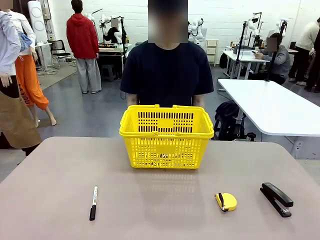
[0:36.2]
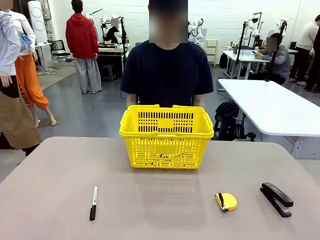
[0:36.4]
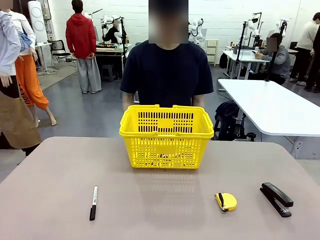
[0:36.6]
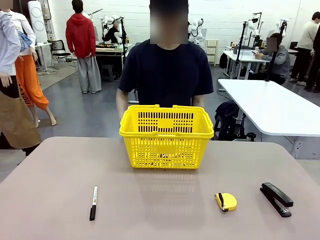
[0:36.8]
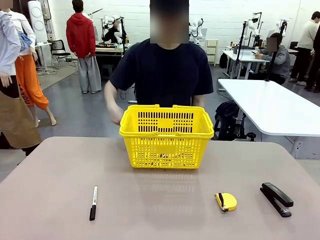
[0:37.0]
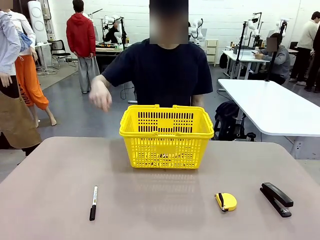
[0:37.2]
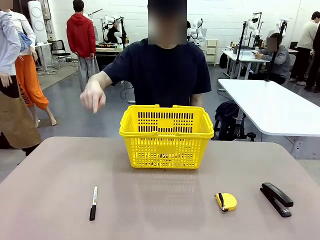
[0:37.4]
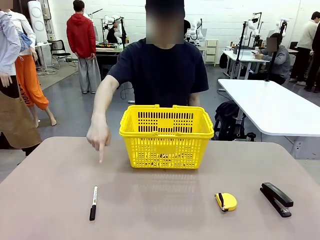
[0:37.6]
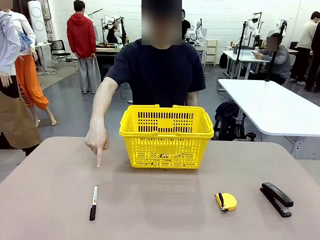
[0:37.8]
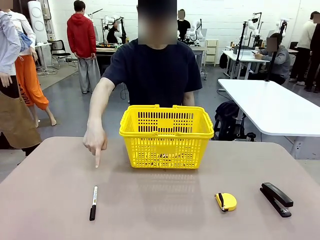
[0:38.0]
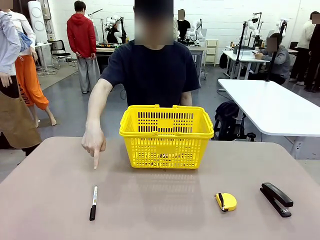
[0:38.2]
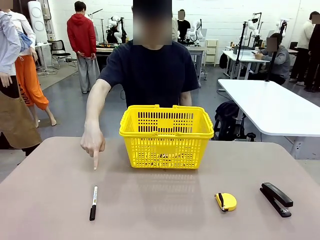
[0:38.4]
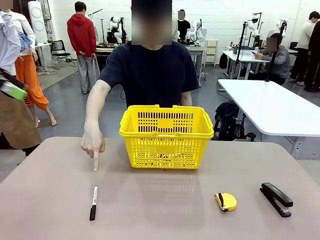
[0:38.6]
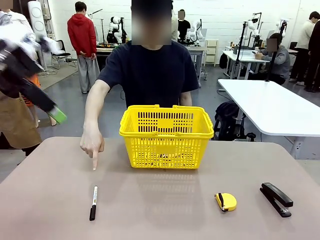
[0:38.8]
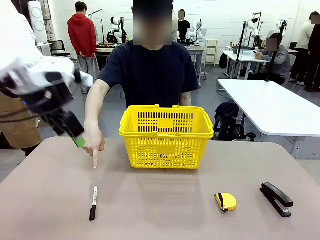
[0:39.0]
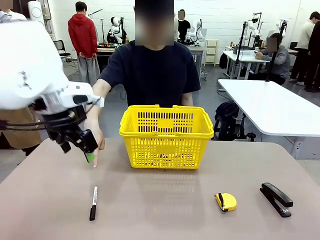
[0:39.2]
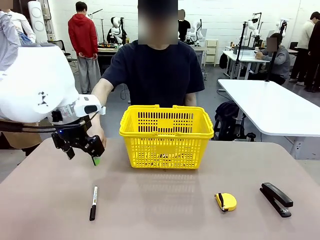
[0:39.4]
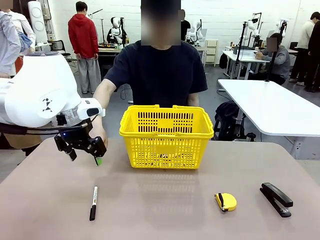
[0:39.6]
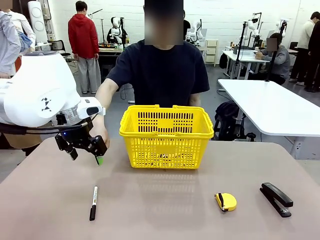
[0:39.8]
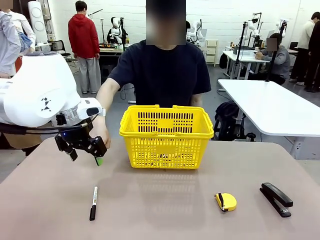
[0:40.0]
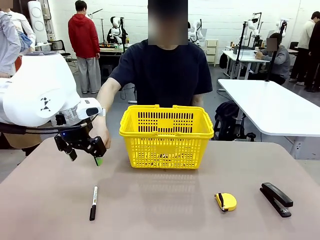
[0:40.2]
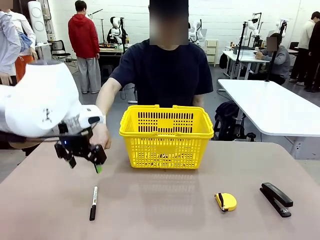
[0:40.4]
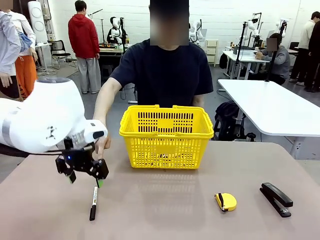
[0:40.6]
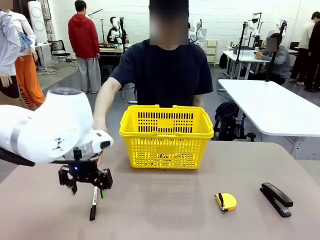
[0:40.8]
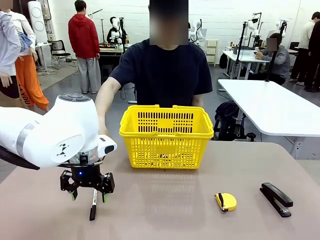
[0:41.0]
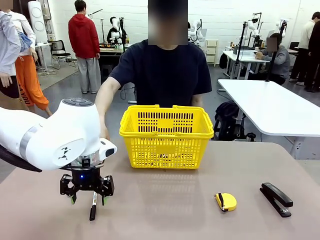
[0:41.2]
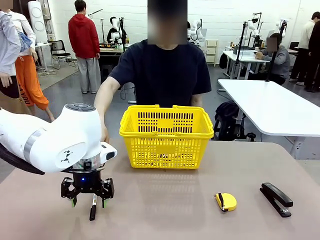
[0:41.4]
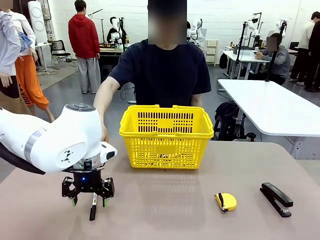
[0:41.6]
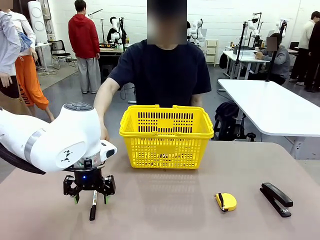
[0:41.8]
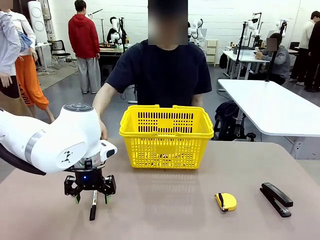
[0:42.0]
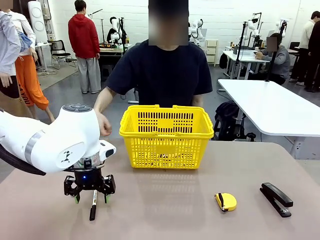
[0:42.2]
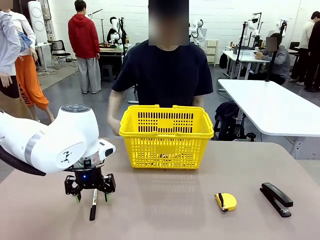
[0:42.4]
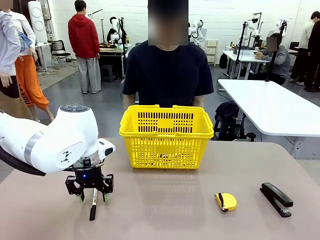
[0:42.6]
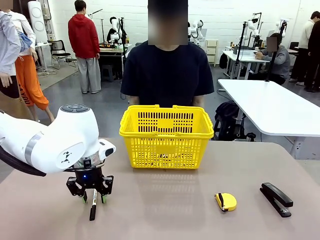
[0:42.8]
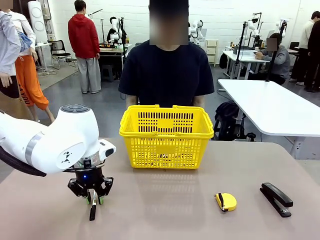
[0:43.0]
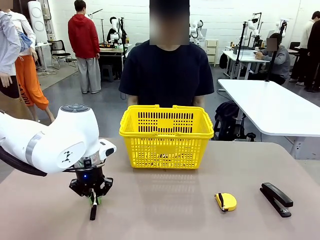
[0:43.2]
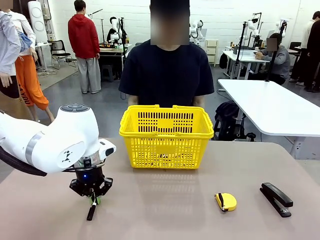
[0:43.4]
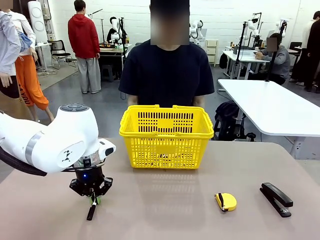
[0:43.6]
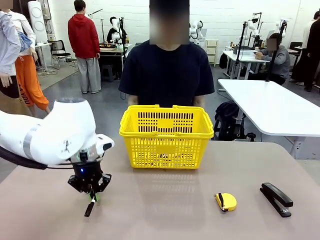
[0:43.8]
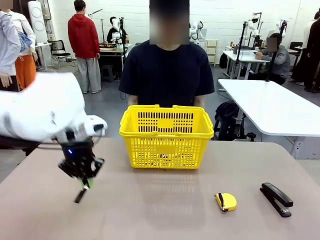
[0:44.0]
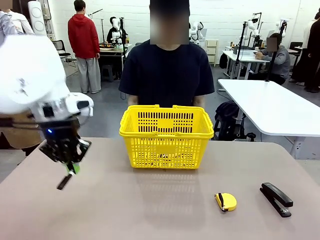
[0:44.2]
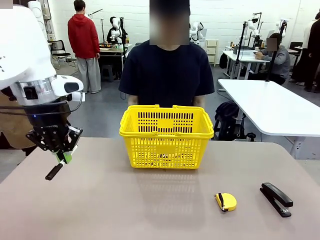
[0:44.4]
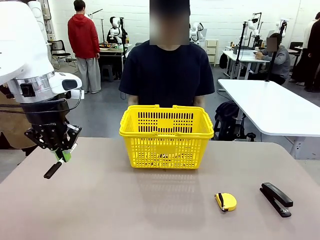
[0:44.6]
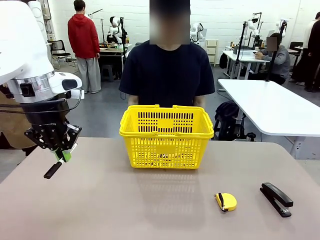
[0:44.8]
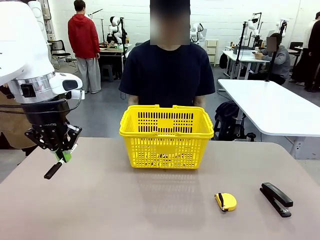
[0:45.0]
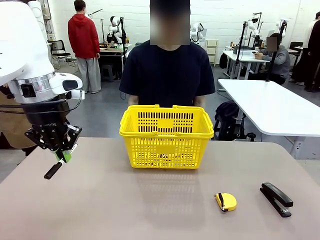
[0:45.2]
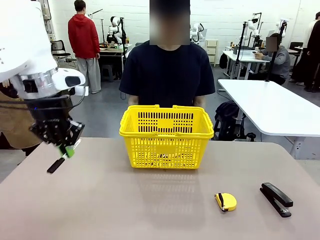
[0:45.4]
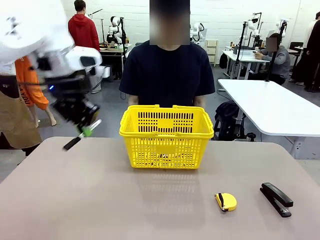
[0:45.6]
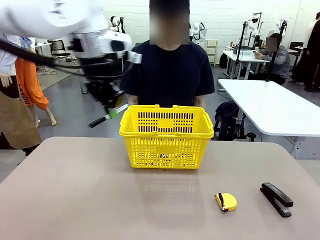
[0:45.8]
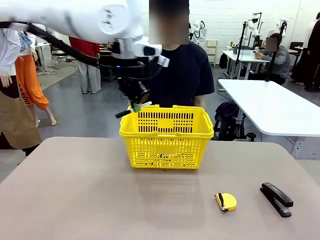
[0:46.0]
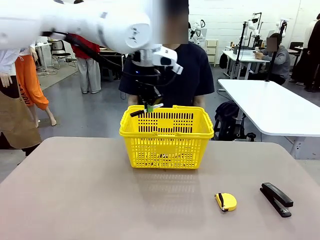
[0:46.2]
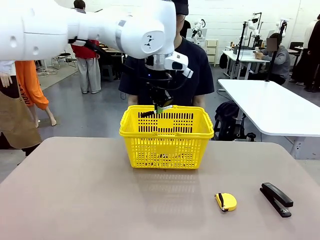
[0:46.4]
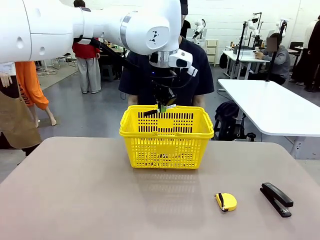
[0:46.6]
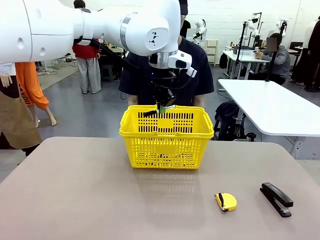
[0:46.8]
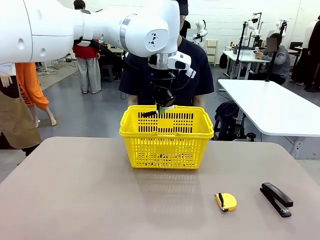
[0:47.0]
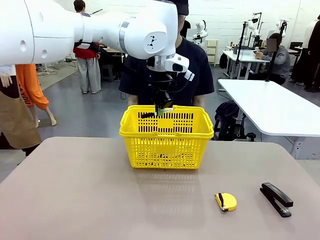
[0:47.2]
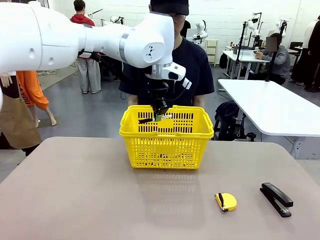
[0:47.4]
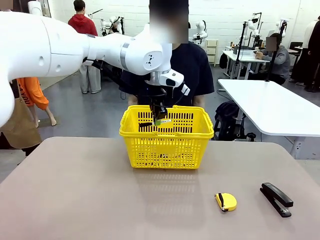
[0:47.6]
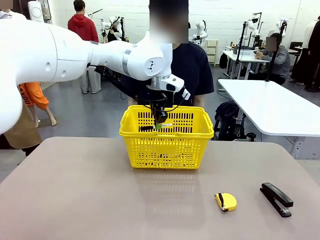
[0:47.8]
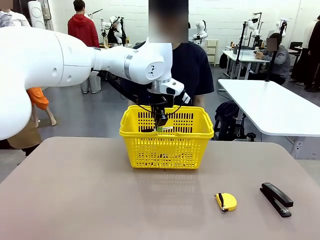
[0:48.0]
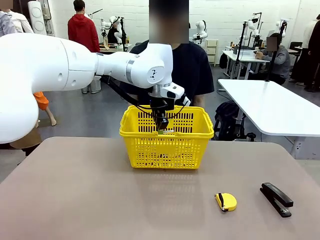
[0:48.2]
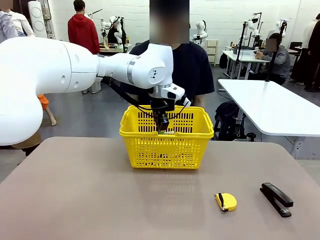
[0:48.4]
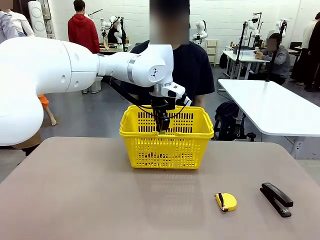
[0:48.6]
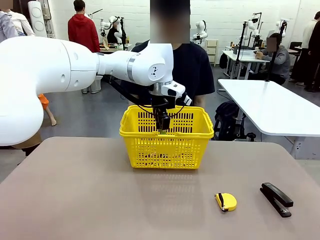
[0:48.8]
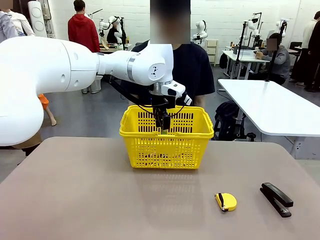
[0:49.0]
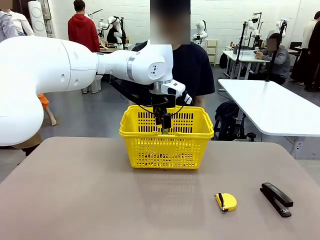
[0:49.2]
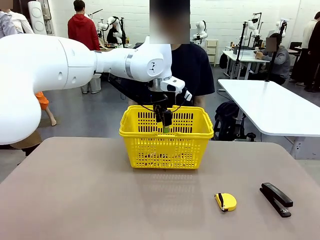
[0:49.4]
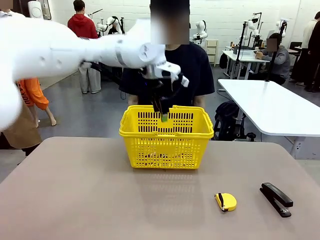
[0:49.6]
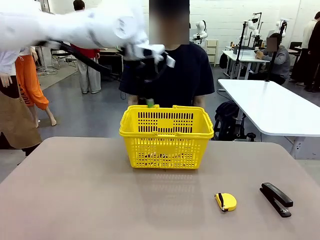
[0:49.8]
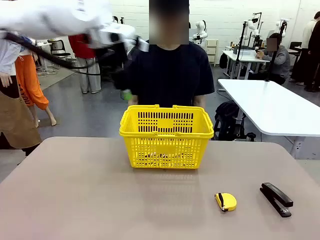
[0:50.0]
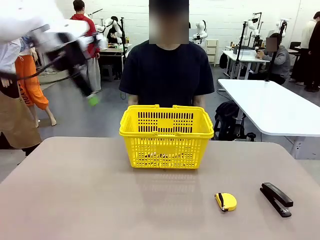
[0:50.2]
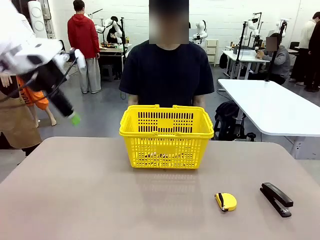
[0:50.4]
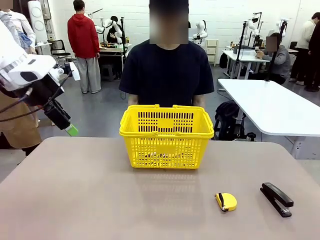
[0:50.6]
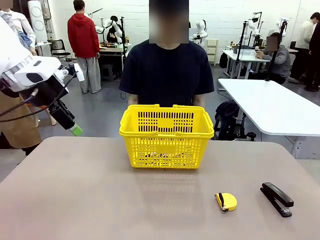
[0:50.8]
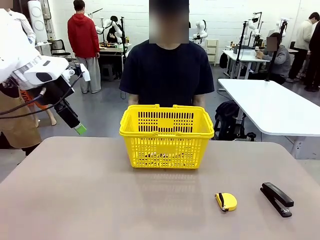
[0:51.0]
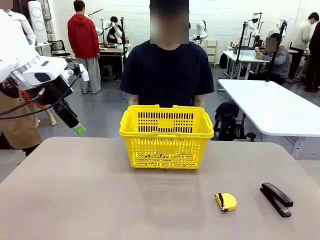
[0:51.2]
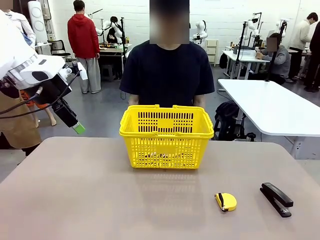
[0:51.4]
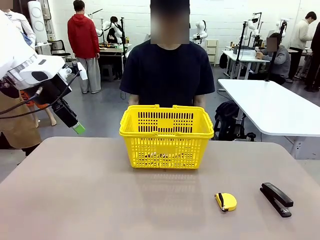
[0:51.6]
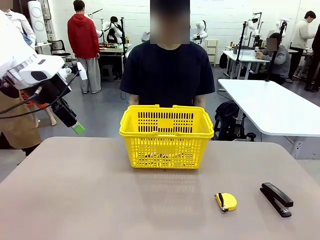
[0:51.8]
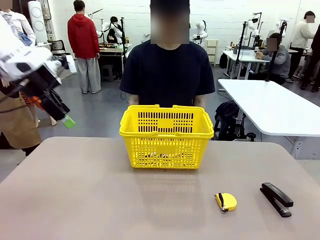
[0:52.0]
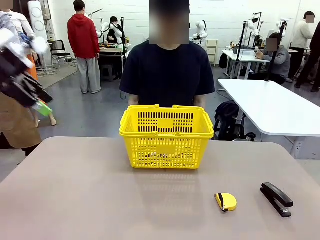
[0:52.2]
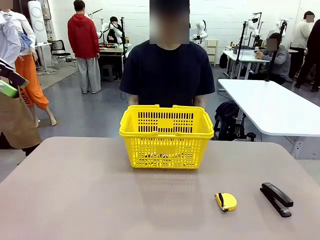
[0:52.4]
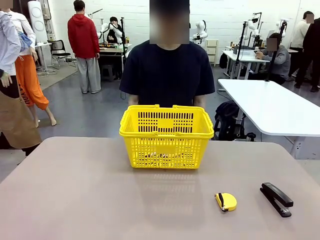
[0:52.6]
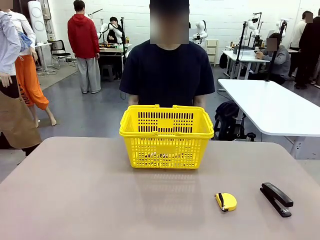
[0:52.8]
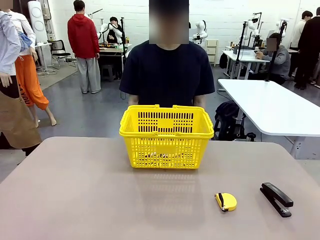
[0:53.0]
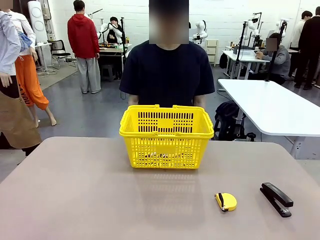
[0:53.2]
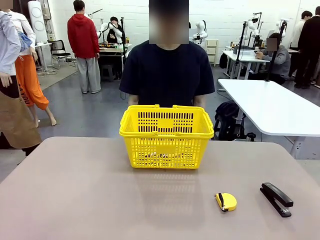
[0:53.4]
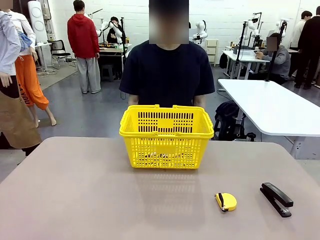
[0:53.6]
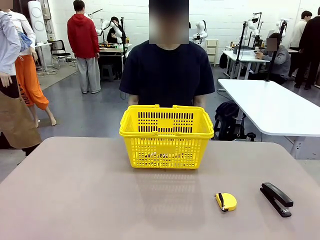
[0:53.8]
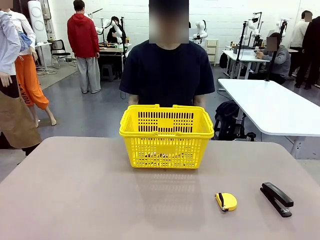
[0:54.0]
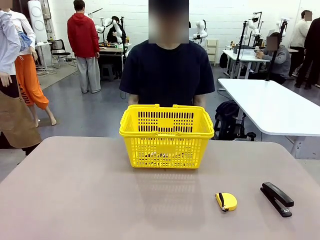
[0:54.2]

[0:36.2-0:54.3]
Task: Place the items the person wants into the basket.
Robot: Pick up the item the person points to and place it in the Market Basket.
